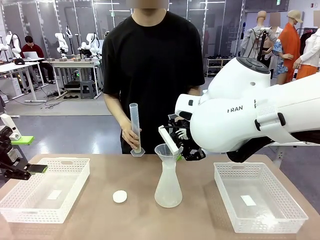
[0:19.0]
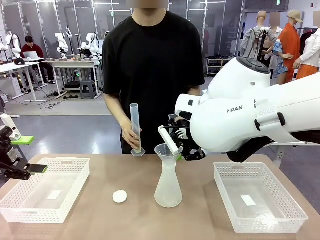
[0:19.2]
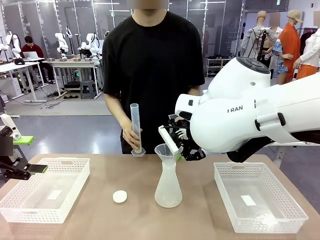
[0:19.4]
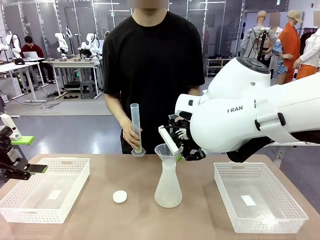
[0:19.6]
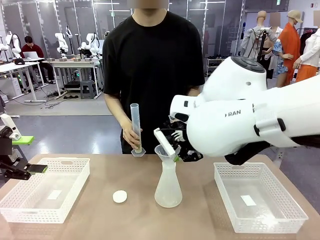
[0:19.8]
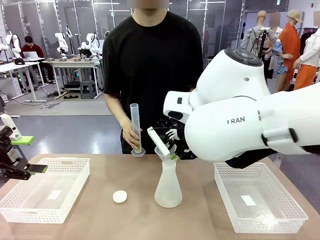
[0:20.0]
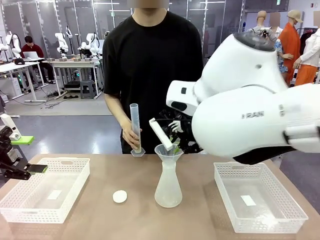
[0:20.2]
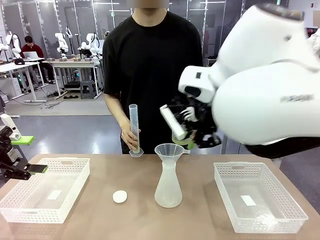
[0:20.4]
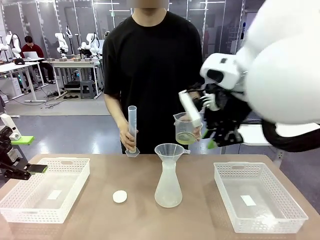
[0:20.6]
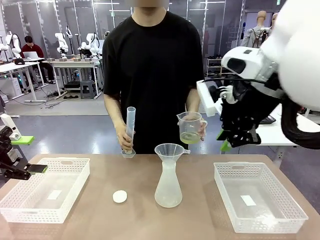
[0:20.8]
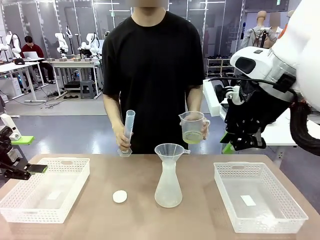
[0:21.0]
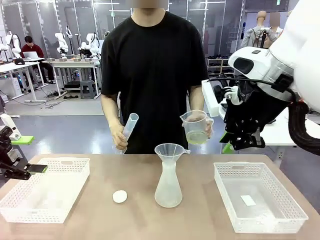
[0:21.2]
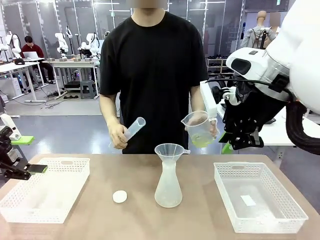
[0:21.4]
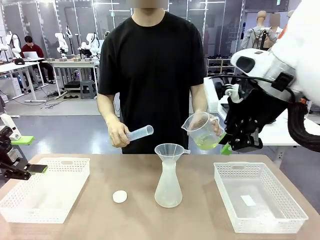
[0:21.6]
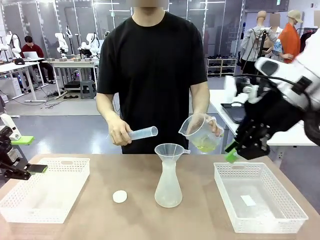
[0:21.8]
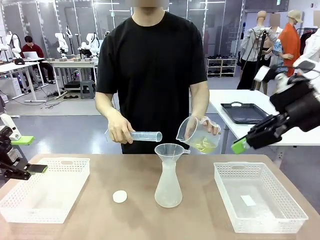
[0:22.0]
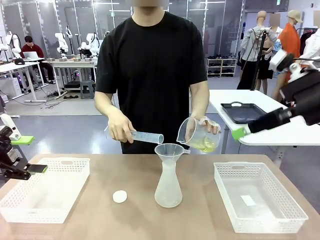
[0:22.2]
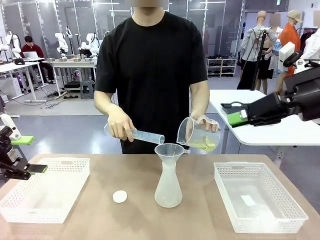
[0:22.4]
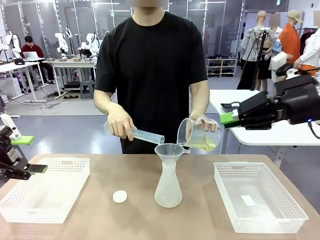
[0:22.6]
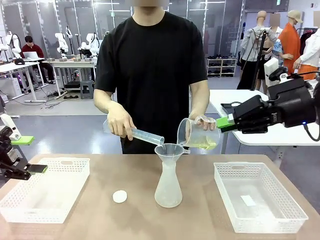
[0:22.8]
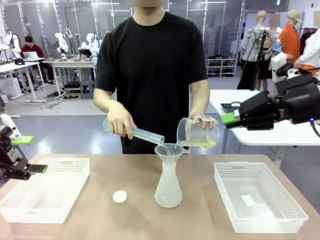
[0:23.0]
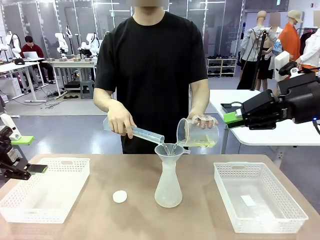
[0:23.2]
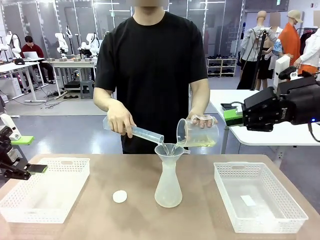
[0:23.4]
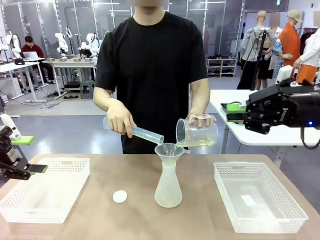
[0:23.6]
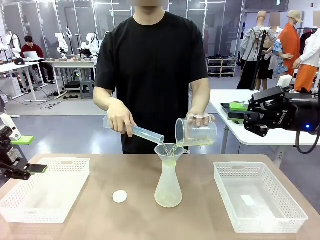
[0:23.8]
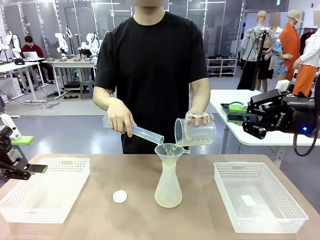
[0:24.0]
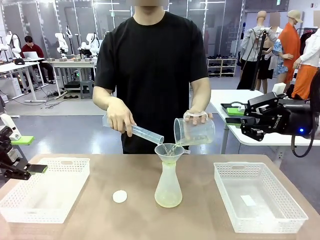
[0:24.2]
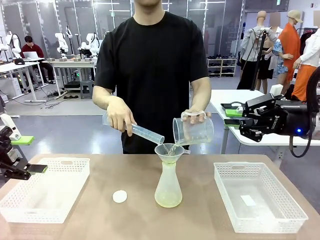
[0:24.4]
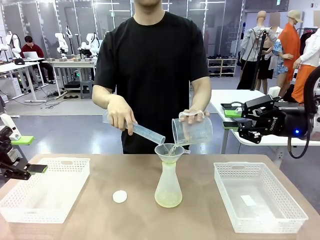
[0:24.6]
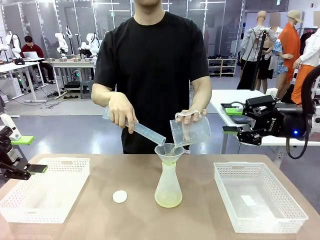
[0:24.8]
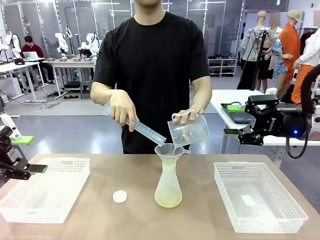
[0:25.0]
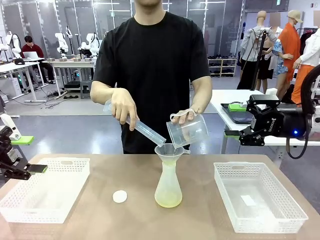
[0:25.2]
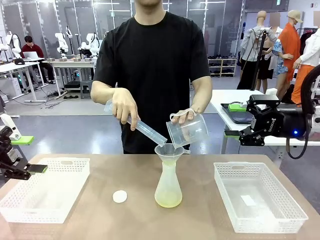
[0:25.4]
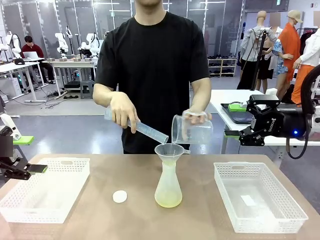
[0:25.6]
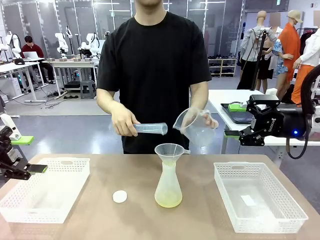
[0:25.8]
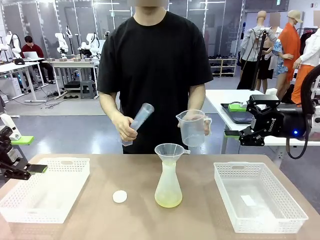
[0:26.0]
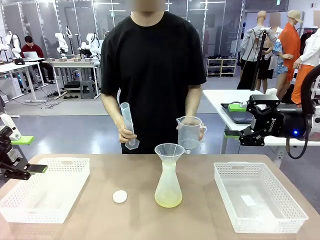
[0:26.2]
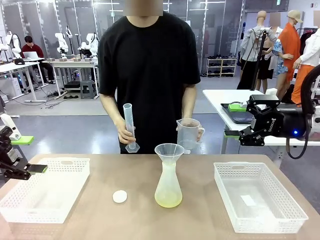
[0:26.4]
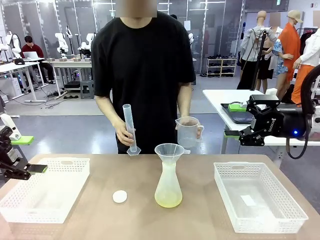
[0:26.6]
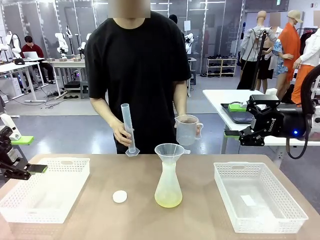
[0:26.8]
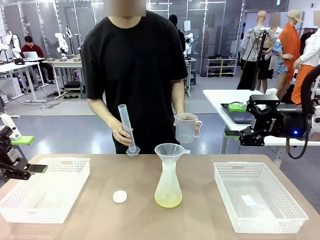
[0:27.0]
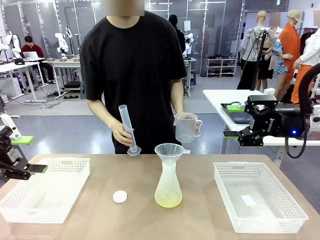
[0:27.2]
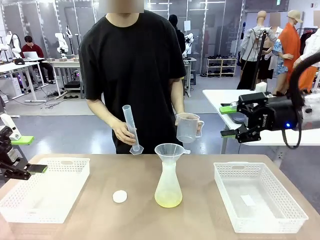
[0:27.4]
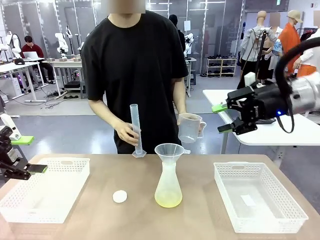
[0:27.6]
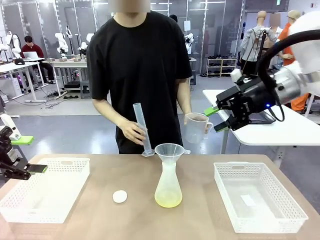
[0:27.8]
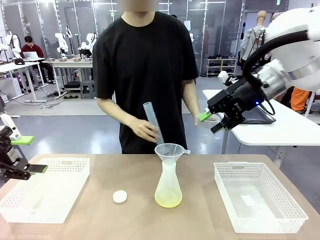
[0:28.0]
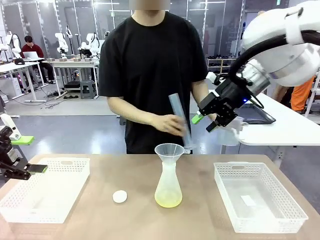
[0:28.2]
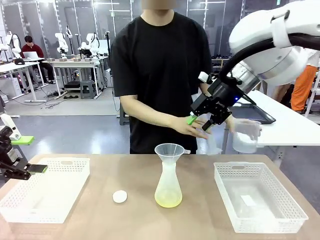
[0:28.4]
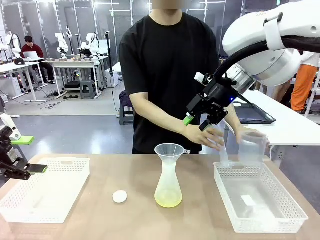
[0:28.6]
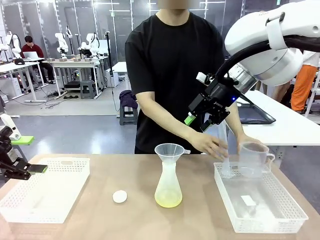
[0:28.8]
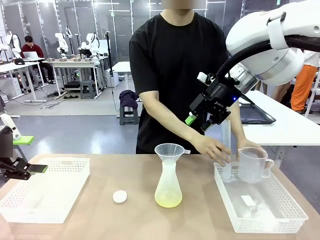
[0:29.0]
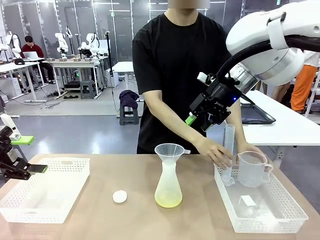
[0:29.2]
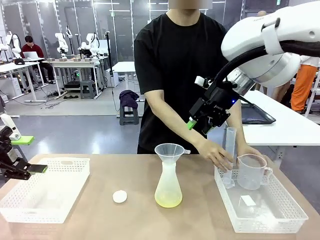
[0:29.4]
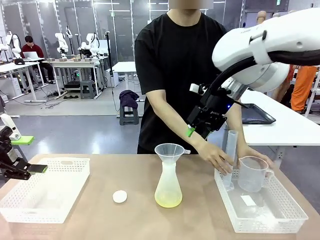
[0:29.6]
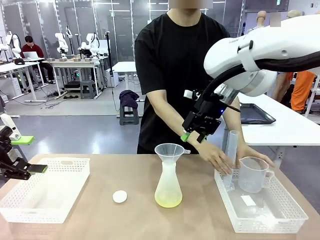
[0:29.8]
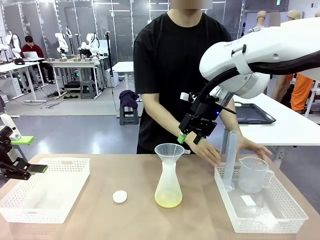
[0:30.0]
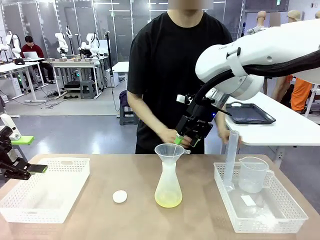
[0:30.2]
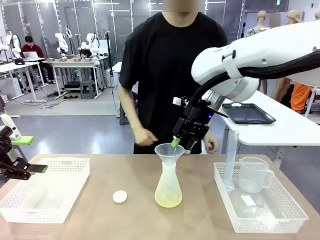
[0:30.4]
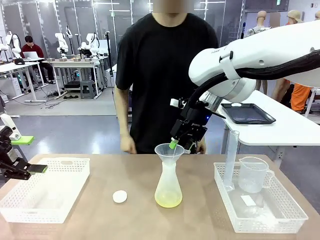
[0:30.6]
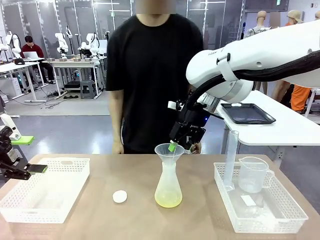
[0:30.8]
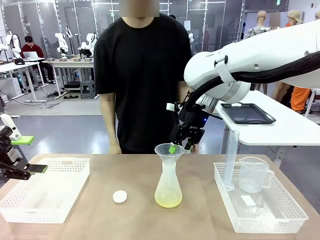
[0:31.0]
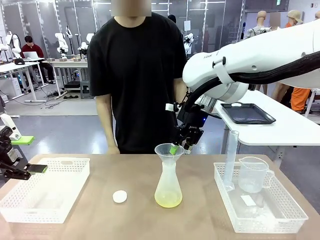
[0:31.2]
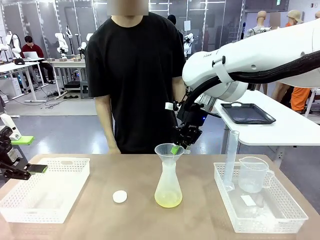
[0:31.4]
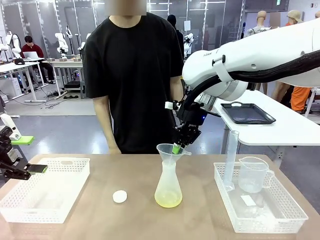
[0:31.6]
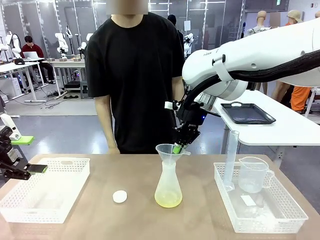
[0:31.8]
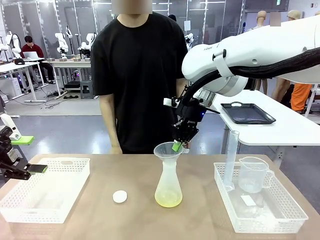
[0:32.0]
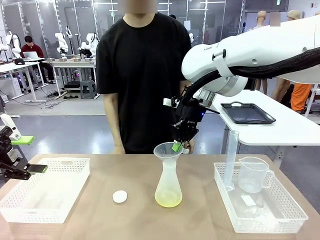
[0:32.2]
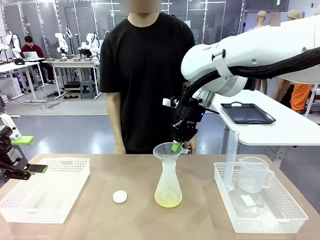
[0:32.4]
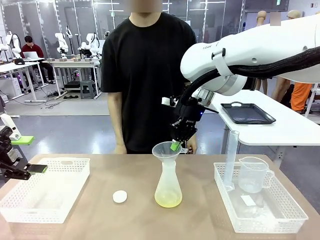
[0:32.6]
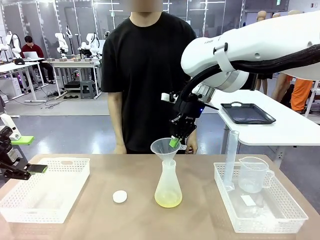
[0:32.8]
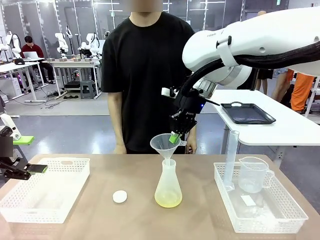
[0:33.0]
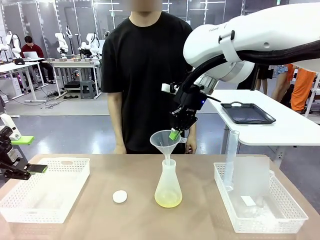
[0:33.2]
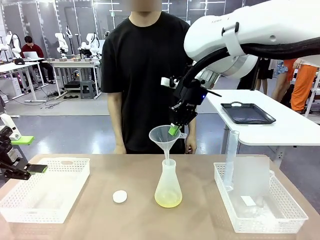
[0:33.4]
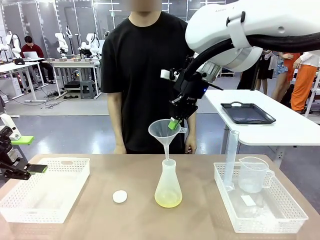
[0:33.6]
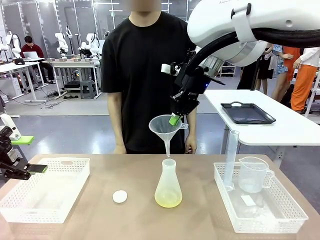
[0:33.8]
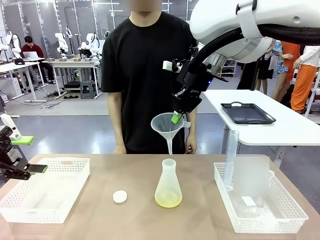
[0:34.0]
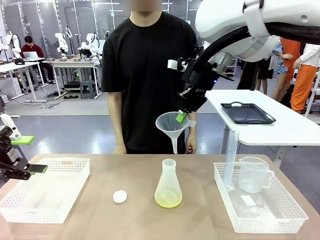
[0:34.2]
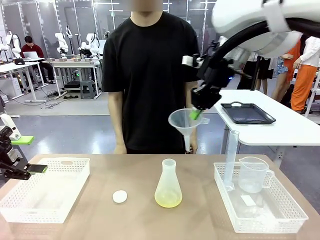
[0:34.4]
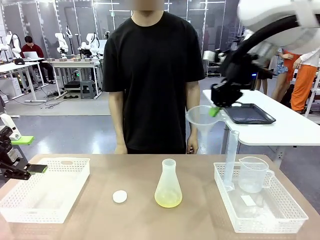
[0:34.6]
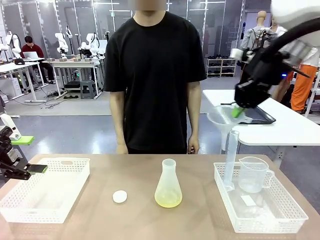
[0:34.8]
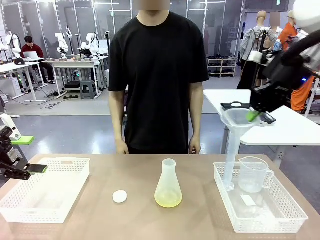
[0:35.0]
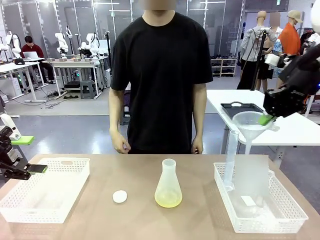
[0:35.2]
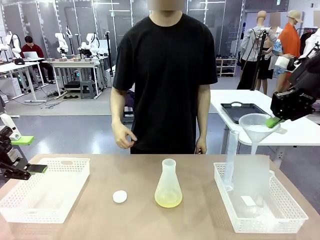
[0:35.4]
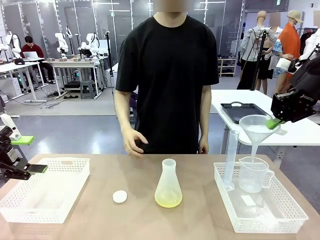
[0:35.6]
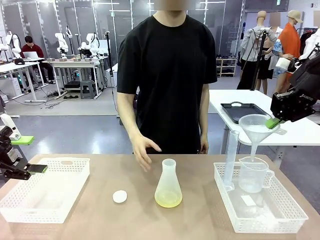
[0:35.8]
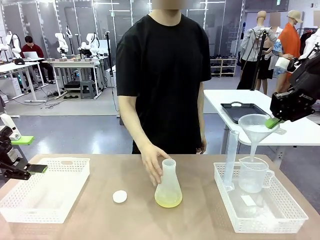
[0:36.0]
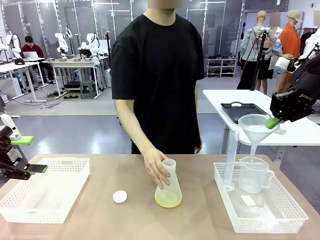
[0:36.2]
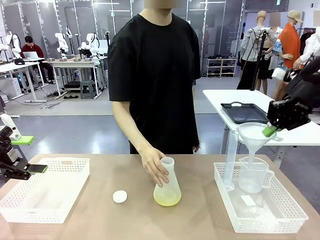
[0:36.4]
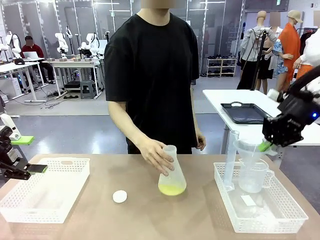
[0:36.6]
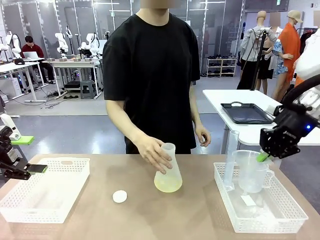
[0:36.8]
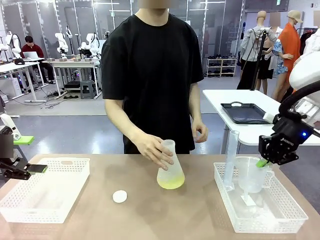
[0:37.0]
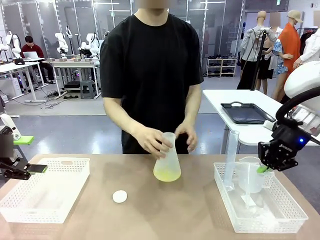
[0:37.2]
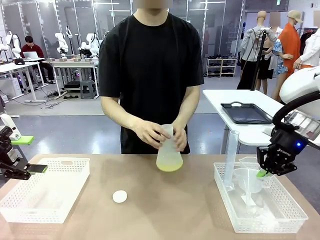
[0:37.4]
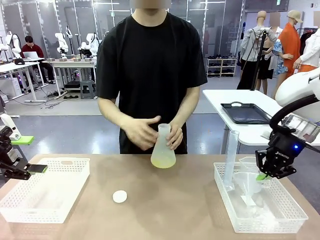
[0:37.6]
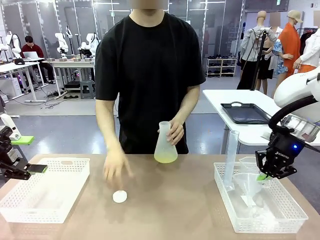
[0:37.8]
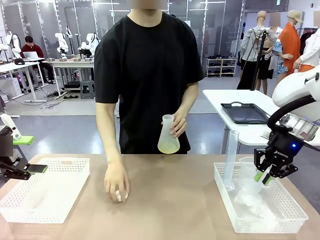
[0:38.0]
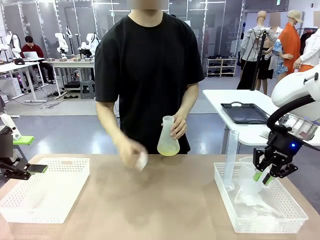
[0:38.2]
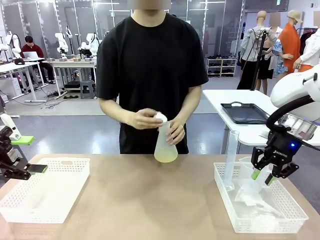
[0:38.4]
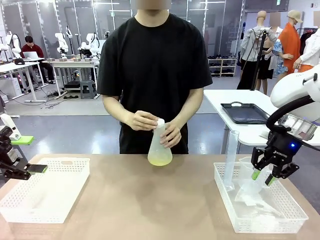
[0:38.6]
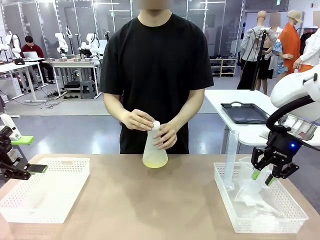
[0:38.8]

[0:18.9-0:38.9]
Task: Prepare the solutions needed for the experiment.
Robot: Once the solution is in the Big flask , pick up the Plastic Funnel and place it back into the right Organizing basket.
Person: Place the beaker and the cylinder into the organizing basket on the left side. Pick up the flask, gently shake it 2–3 times, place it in the middle of the robot table, and close the lid.
